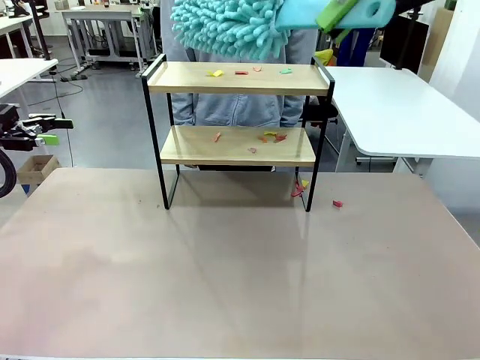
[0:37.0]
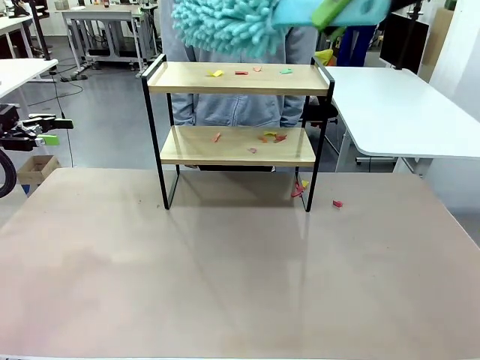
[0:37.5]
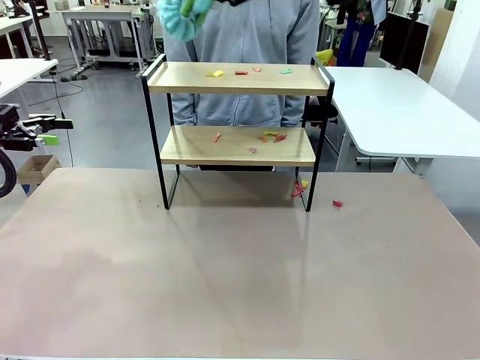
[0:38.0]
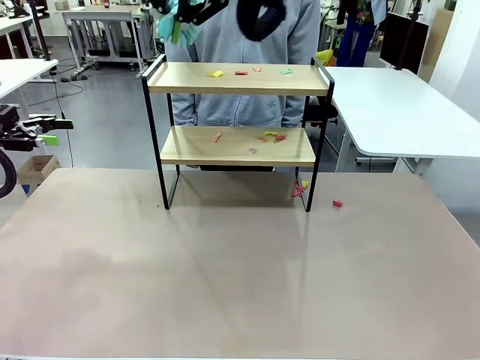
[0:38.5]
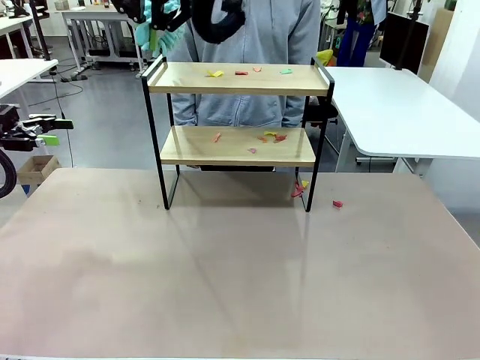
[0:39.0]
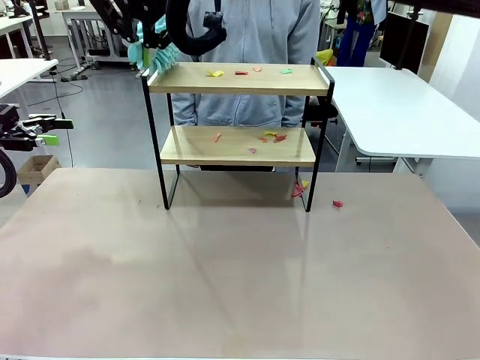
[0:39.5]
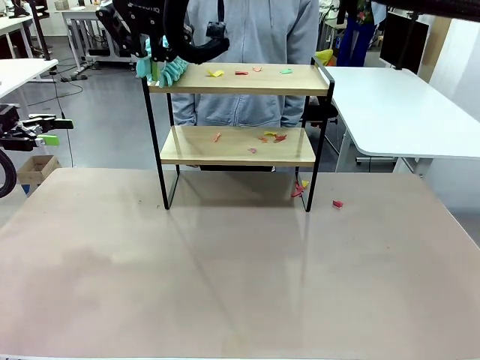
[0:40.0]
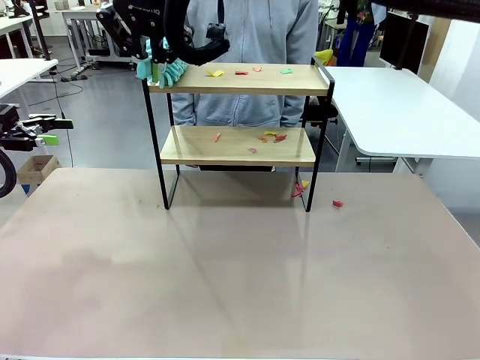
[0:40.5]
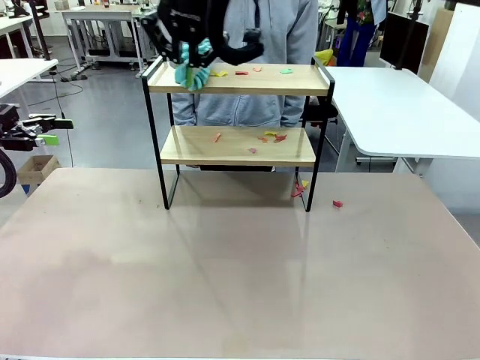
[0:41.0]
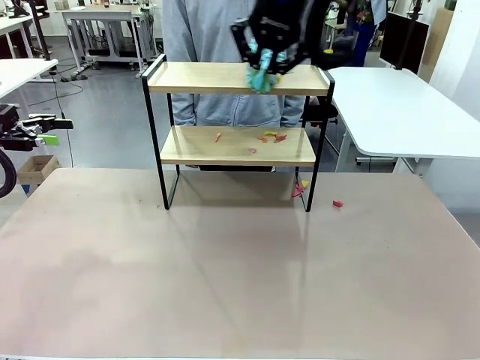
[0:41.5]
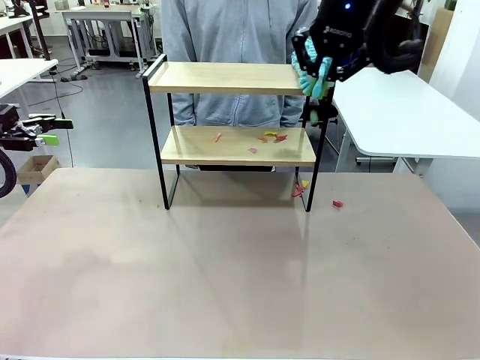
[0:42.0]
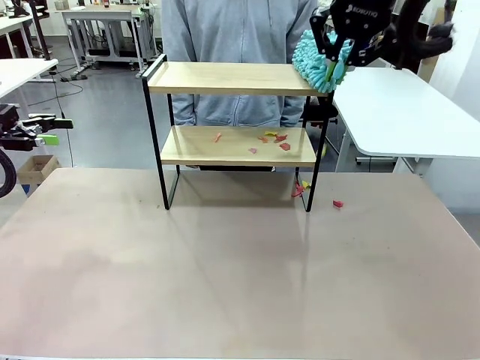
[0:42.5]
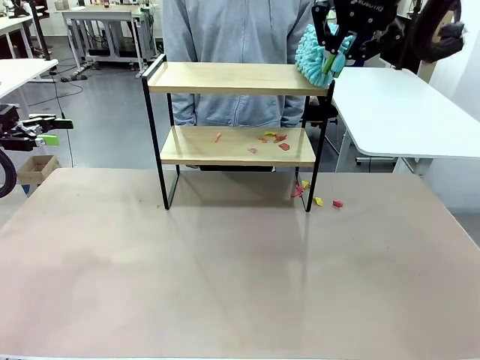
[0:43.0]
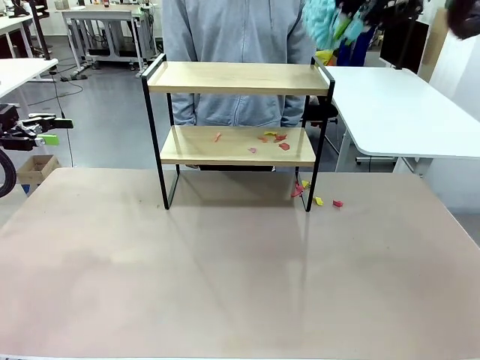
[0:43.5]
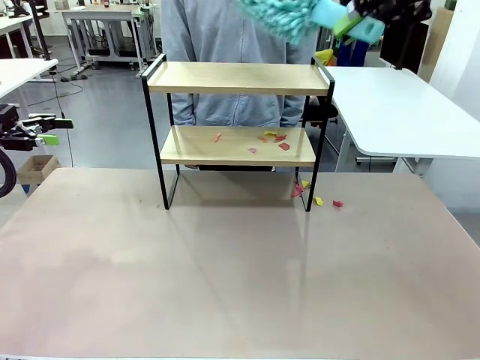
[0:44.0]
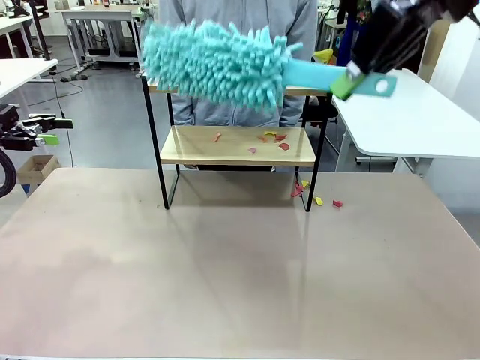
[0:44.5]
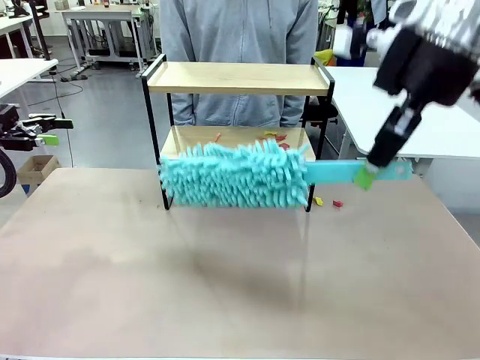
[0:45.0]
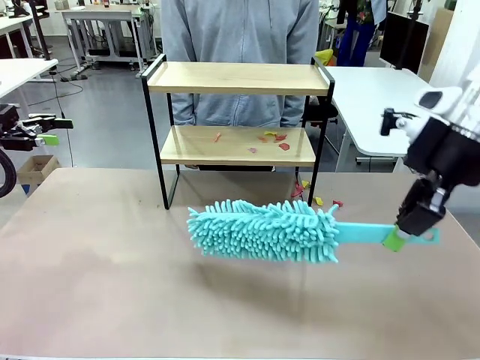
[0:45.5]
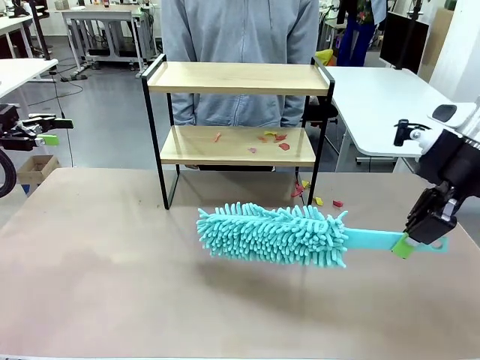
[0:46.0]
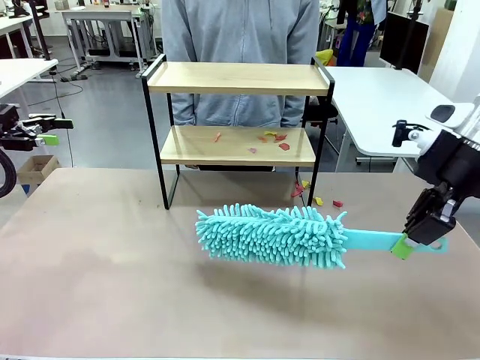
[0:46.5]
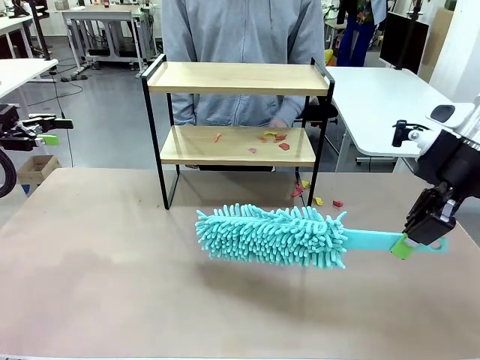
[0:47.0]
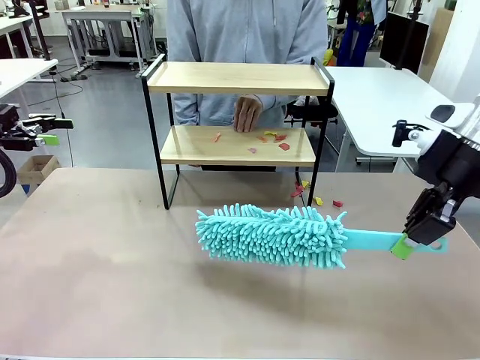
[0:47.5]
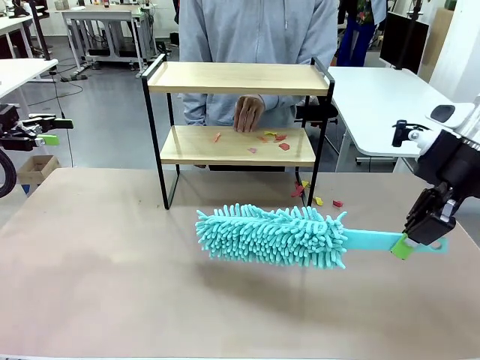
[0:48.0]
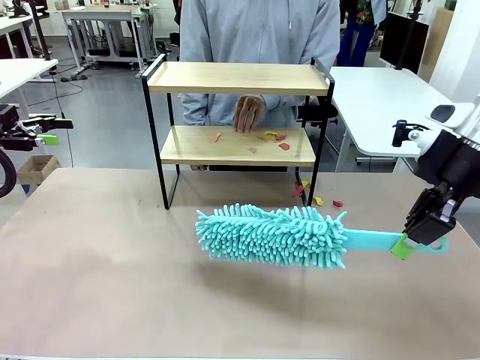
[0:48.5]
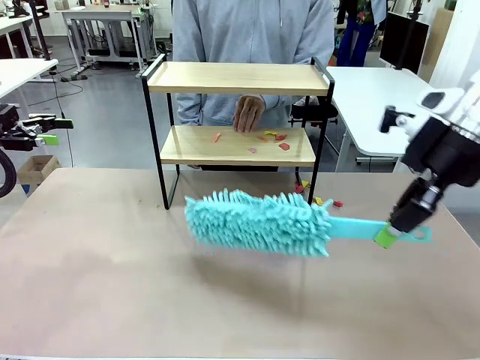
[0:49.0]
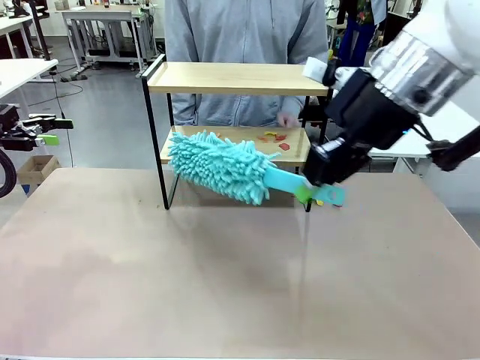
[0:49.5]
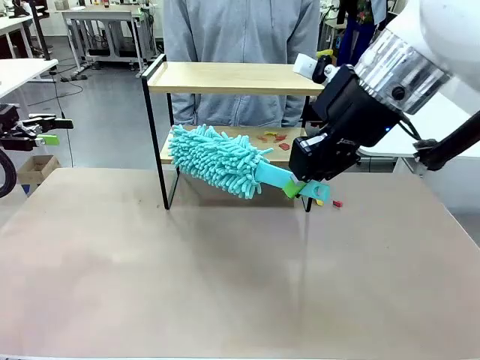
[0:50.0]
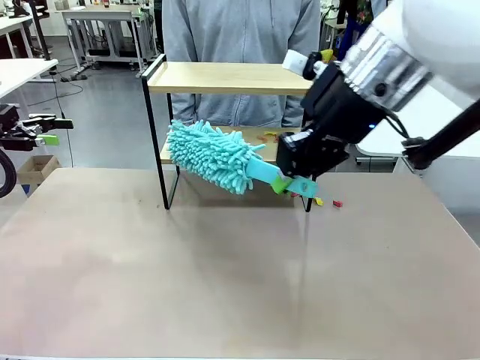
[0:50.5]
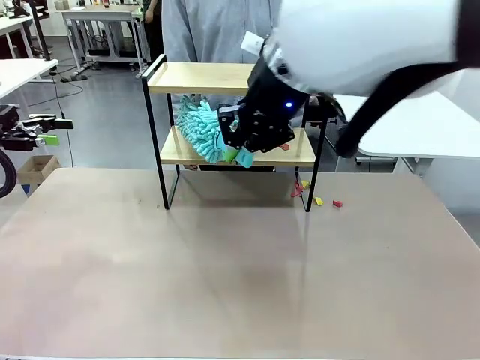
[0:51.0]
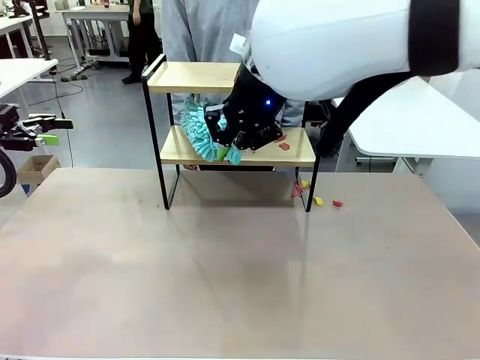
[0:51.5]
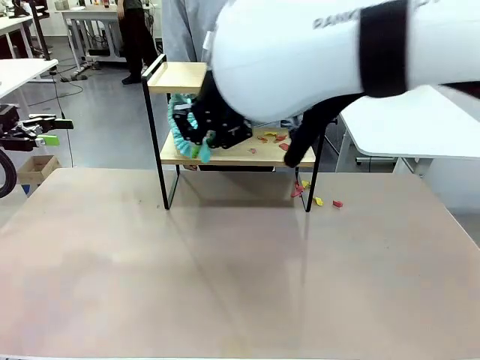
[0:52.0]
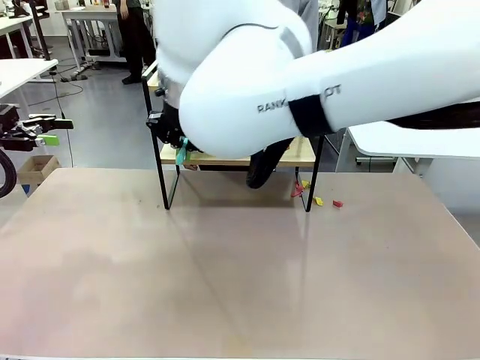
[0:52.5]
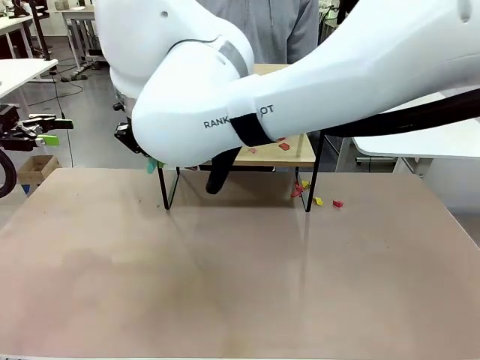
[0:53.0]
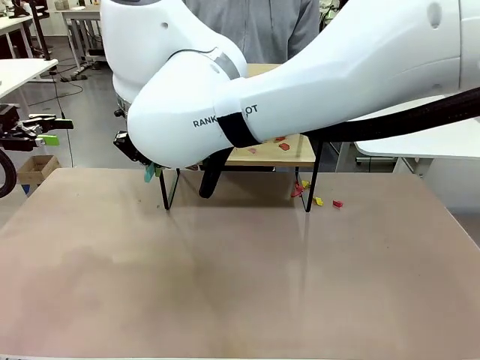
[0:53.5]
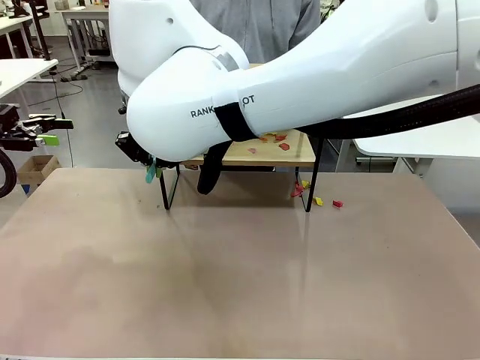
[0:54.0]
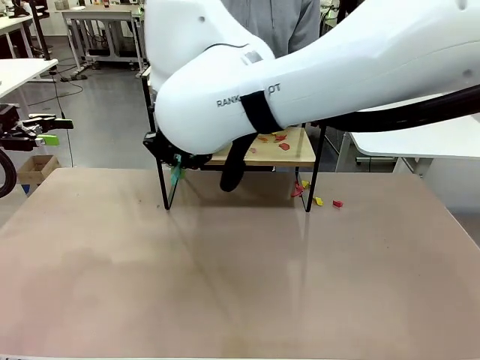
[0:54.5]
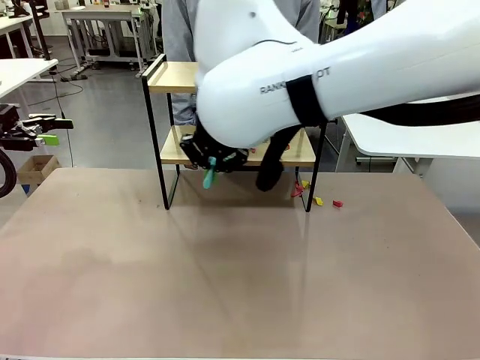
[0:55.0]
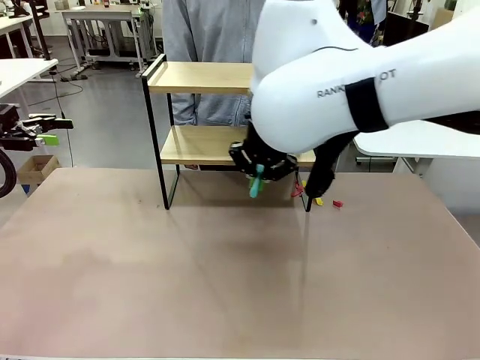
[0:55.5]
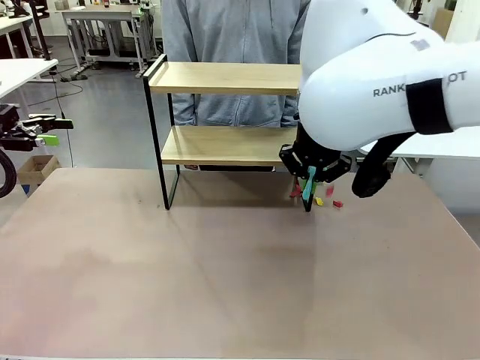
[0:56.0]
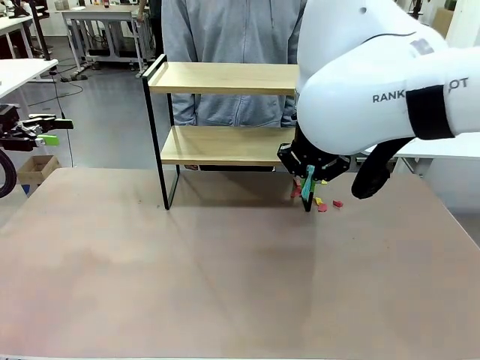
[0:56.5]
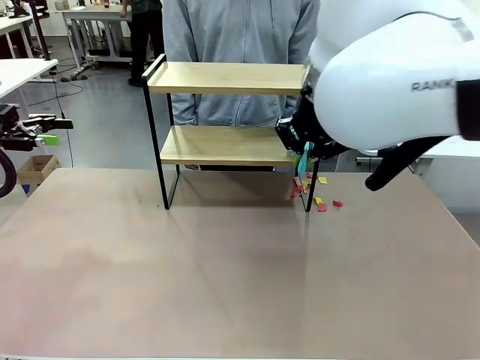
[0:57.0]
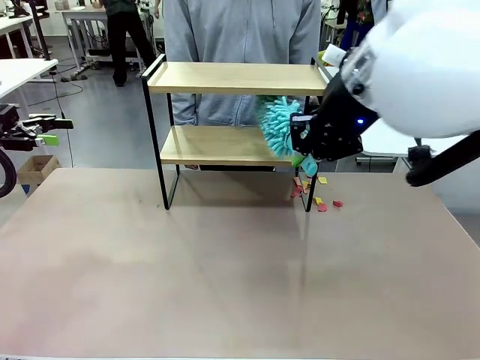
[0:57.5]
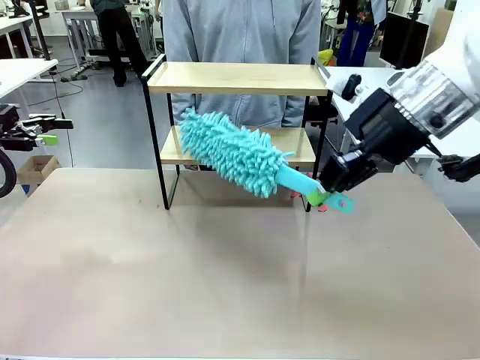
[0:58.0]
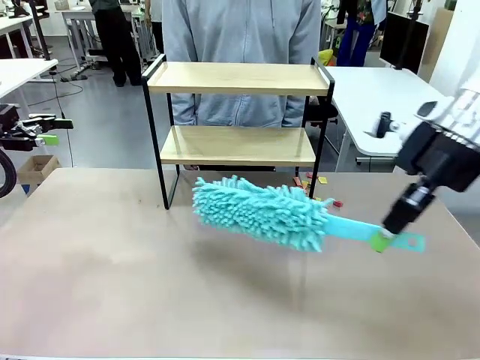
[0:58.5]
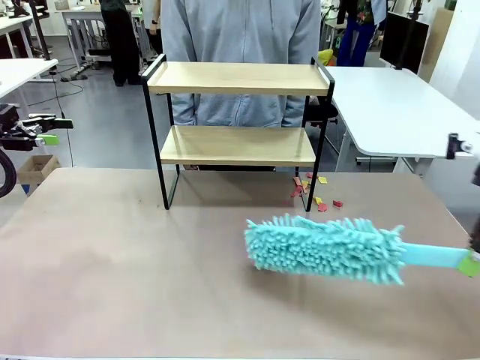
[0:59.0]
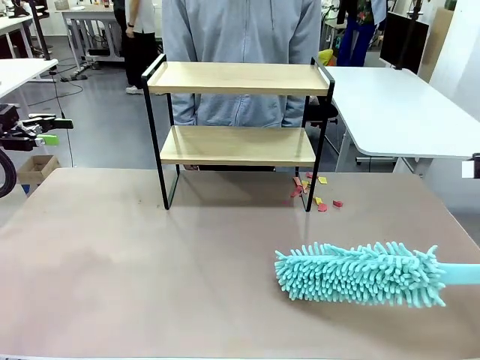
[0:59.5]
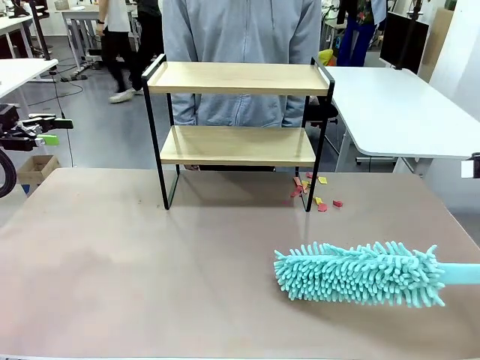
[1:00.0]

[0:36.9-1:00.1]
Task: Clean the shelf.
Robot: Clean the specific section of the Shelf indicated by the human with the Duster.
Person: Point a remaining section of the Shelf.

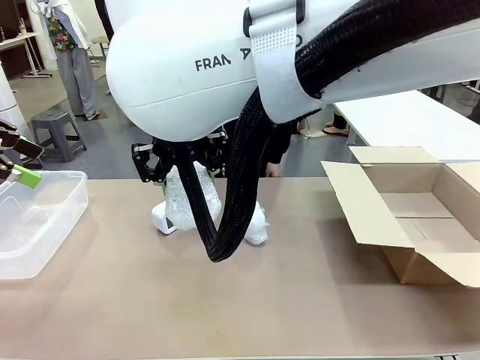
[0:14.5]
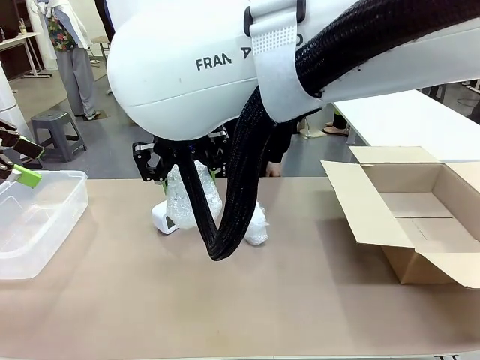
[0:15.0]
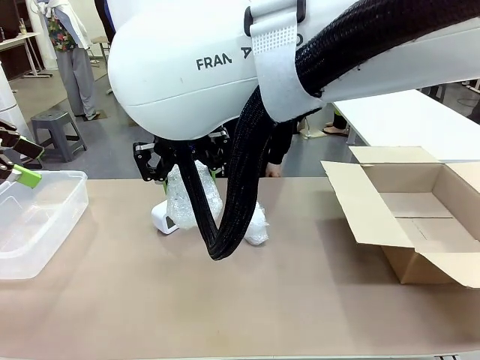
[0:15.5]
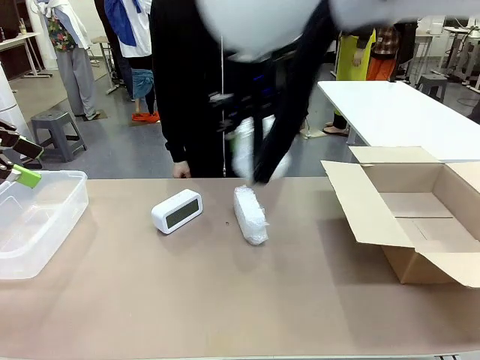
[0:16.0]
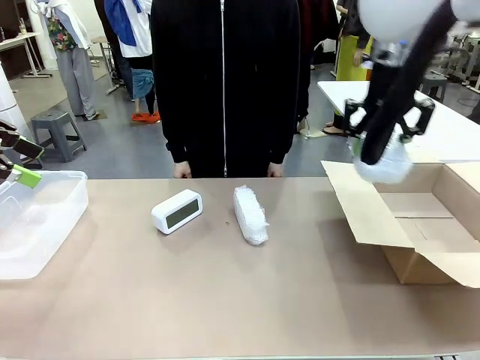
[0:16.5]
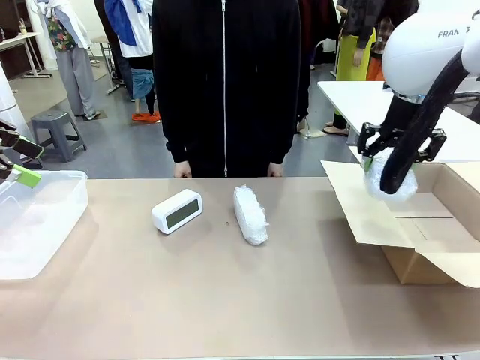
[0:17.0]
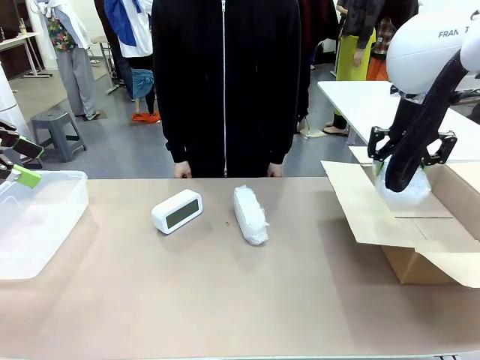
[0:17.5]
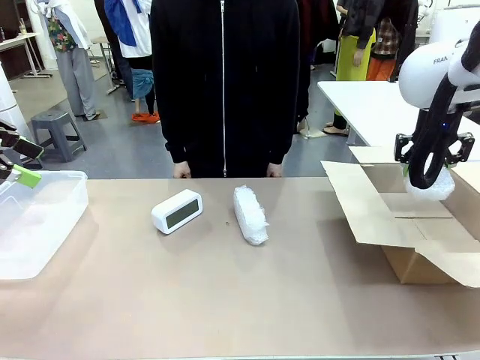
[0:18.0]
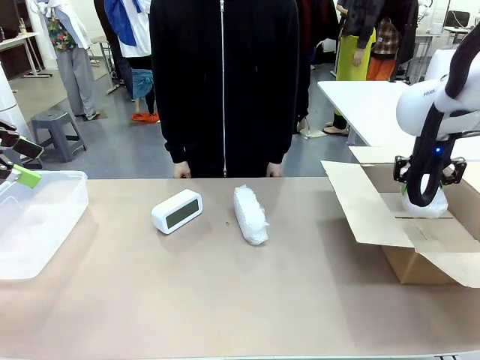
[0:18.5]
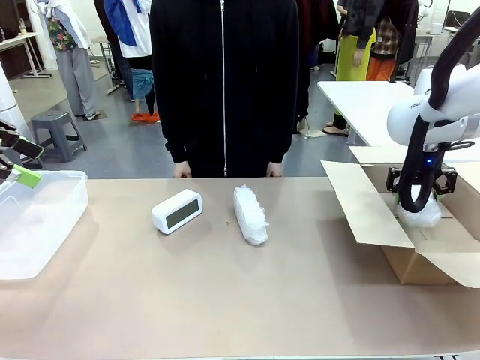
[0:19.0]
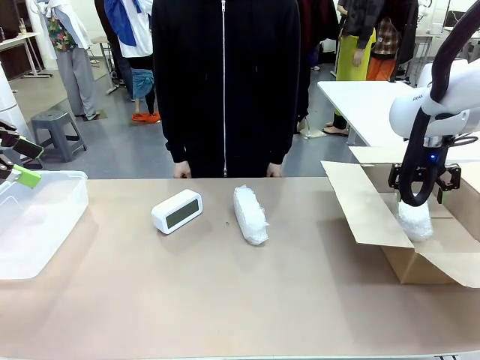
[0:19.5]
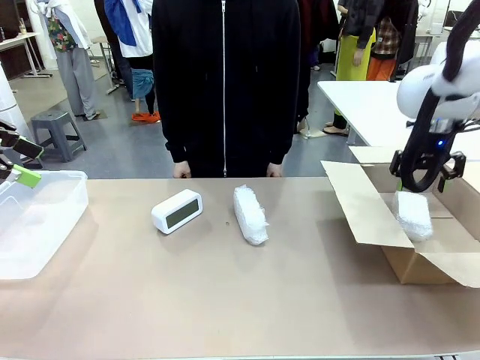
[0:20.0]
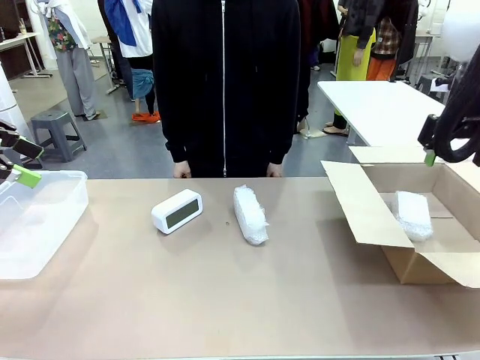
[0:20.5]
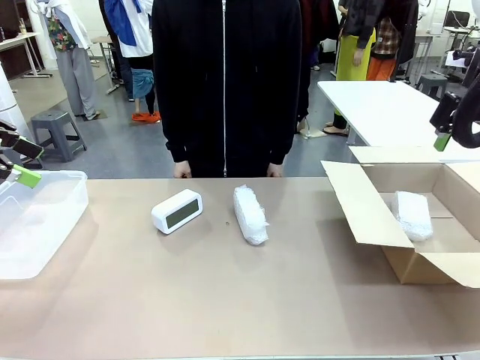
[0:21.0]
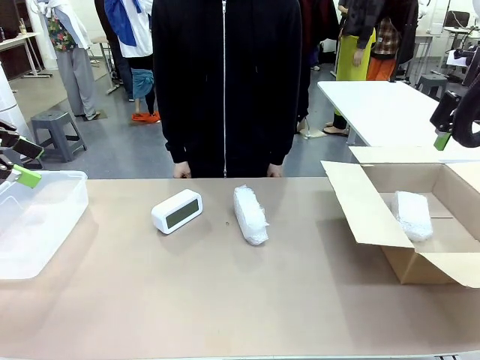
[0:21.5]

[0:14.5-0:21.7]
Task: Separate and place wrapped and unwrapped clocks.
Robot: If the picked Digital clock is wrapped, place it in the Package Box ; if not, place it in the Organizing box.
